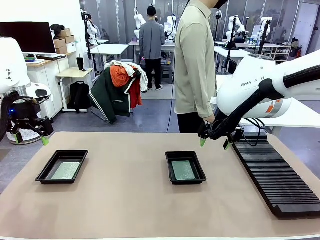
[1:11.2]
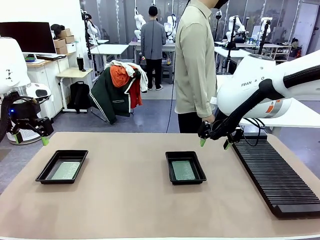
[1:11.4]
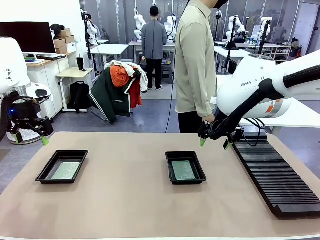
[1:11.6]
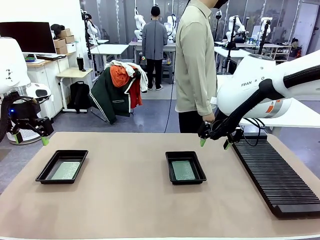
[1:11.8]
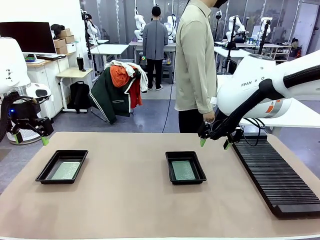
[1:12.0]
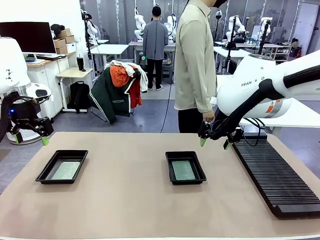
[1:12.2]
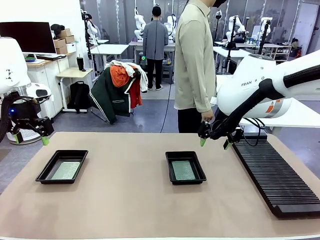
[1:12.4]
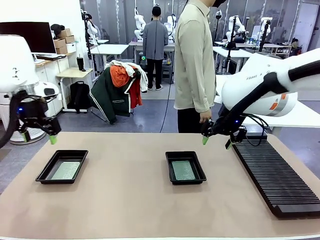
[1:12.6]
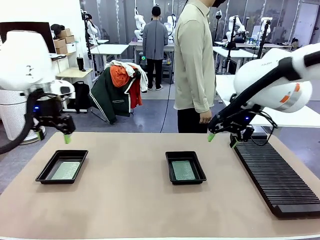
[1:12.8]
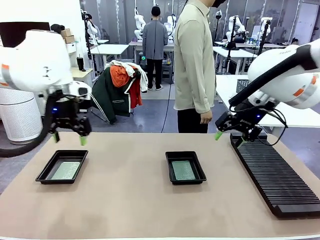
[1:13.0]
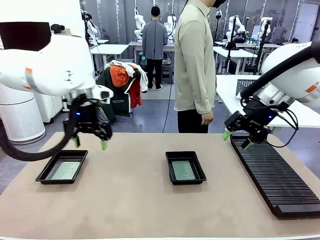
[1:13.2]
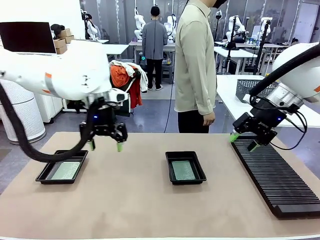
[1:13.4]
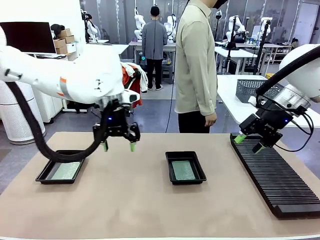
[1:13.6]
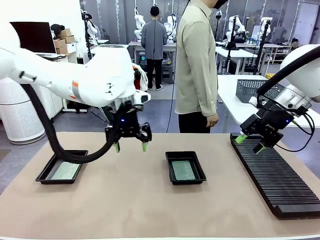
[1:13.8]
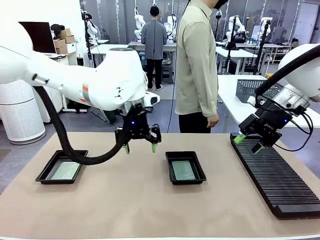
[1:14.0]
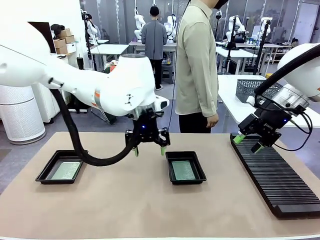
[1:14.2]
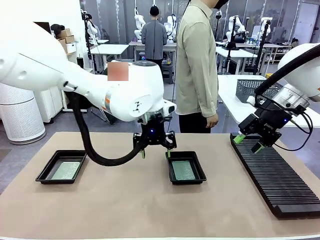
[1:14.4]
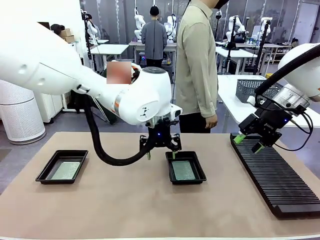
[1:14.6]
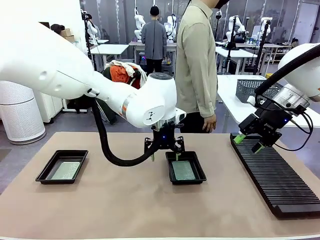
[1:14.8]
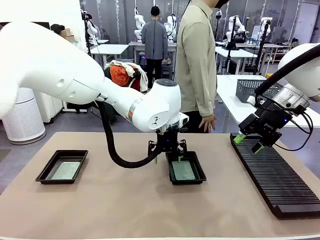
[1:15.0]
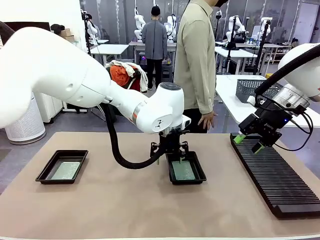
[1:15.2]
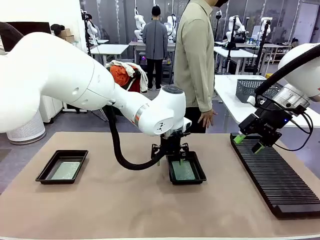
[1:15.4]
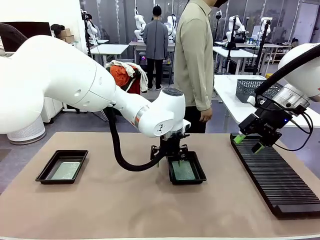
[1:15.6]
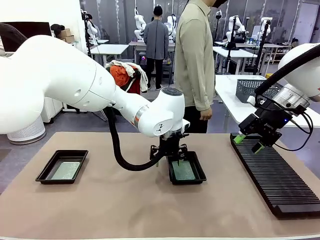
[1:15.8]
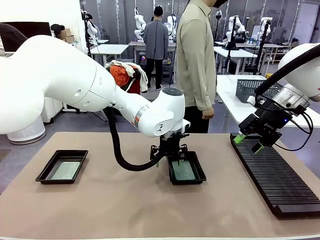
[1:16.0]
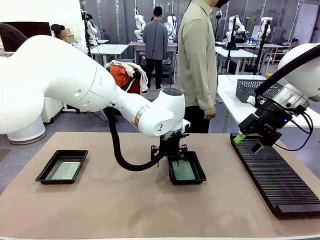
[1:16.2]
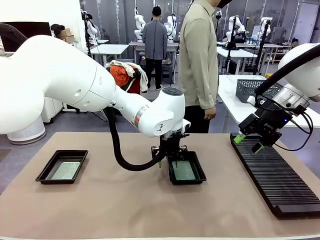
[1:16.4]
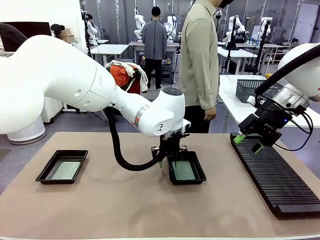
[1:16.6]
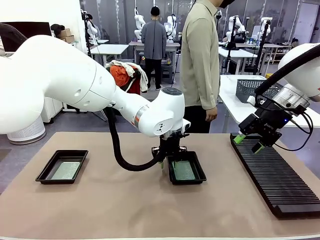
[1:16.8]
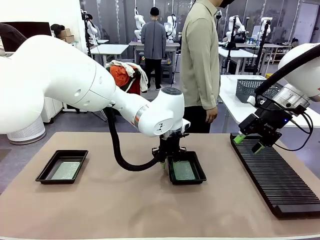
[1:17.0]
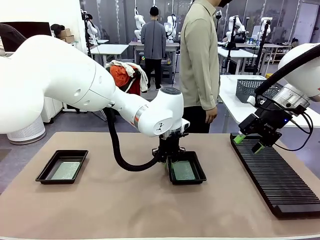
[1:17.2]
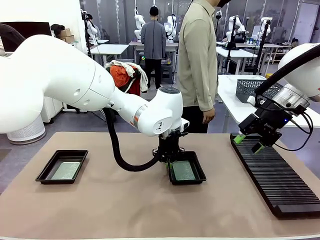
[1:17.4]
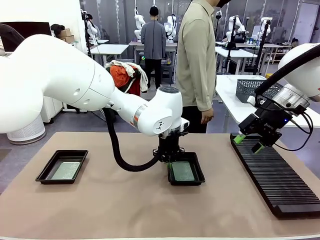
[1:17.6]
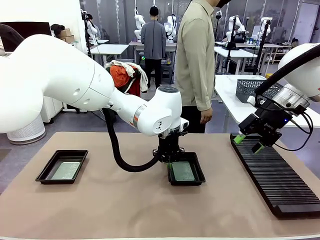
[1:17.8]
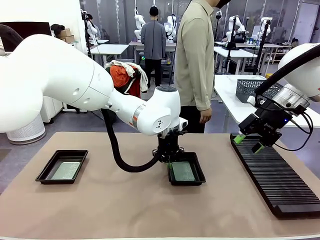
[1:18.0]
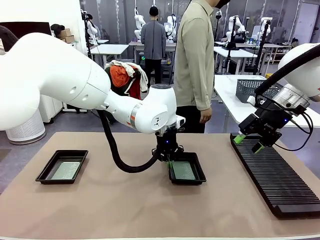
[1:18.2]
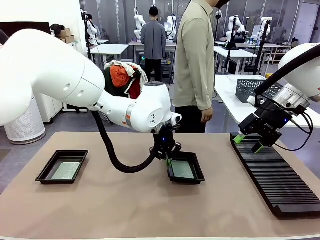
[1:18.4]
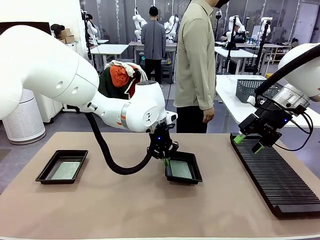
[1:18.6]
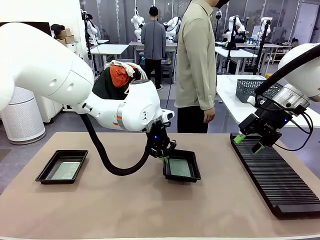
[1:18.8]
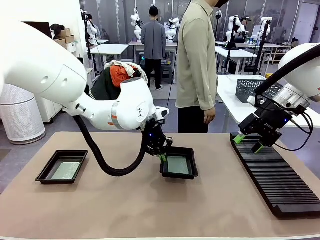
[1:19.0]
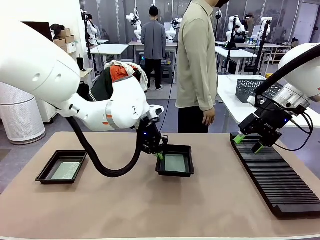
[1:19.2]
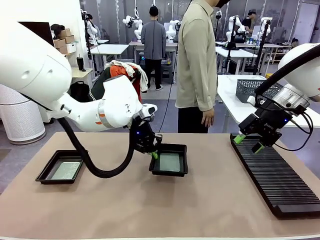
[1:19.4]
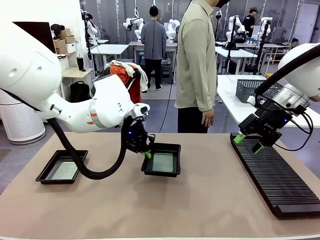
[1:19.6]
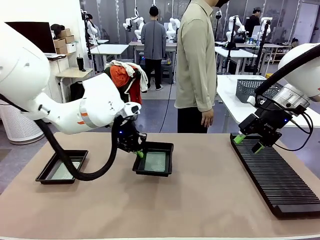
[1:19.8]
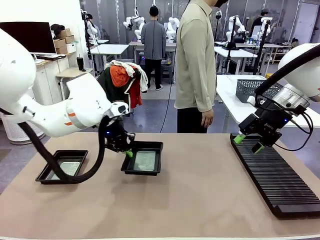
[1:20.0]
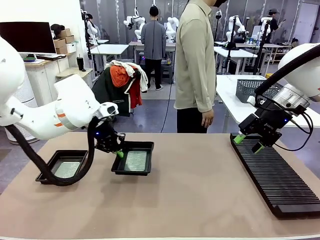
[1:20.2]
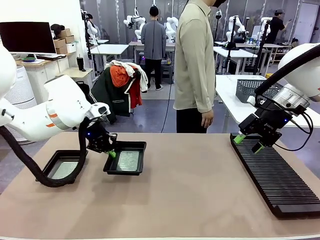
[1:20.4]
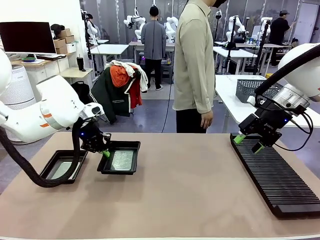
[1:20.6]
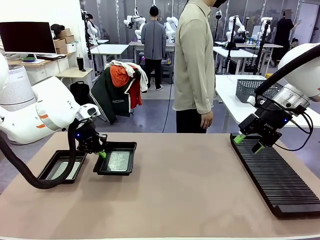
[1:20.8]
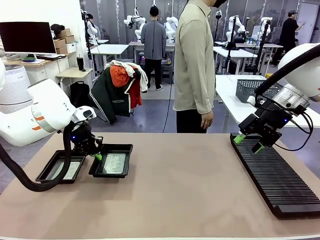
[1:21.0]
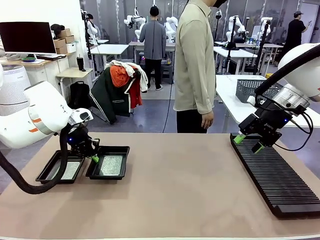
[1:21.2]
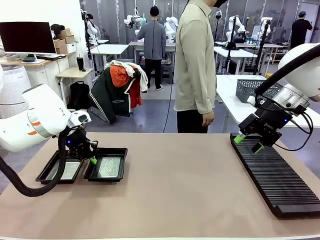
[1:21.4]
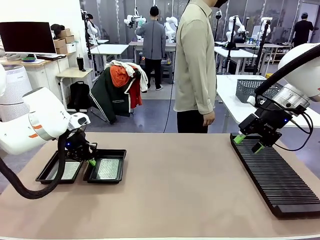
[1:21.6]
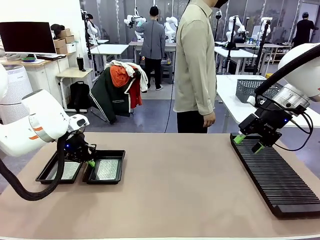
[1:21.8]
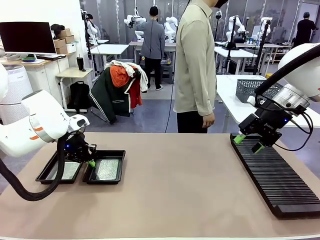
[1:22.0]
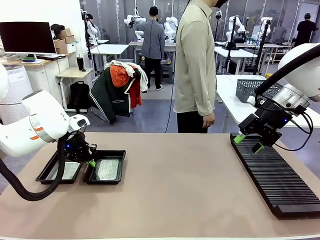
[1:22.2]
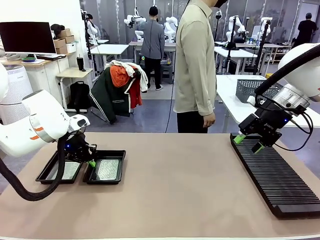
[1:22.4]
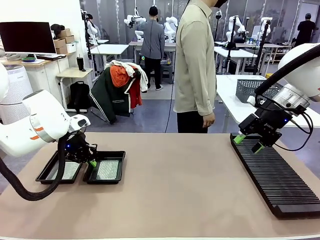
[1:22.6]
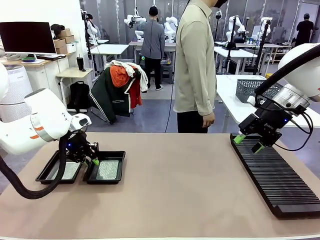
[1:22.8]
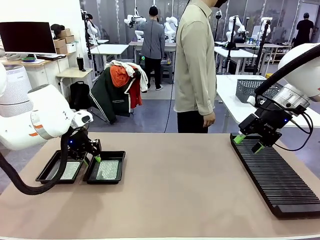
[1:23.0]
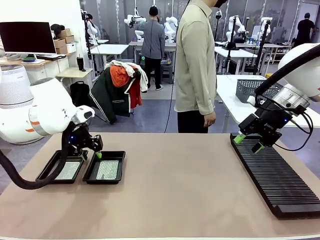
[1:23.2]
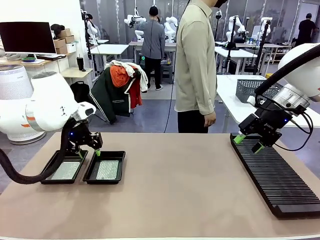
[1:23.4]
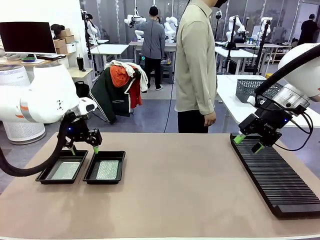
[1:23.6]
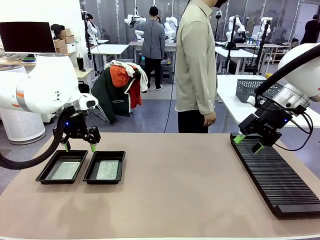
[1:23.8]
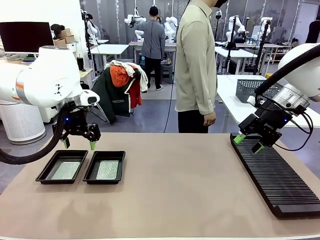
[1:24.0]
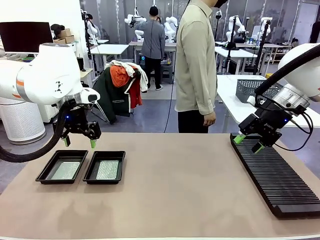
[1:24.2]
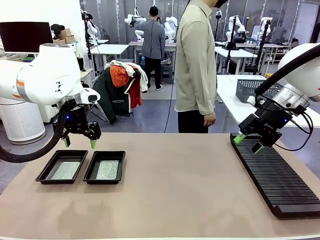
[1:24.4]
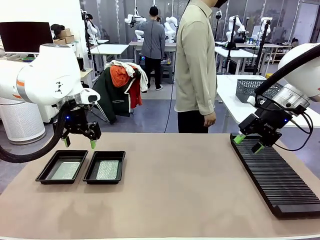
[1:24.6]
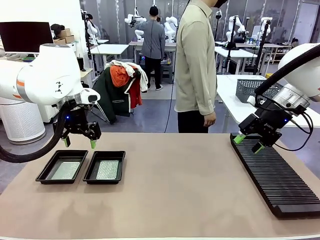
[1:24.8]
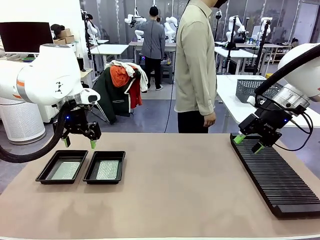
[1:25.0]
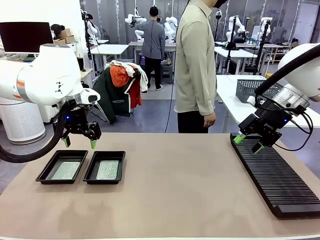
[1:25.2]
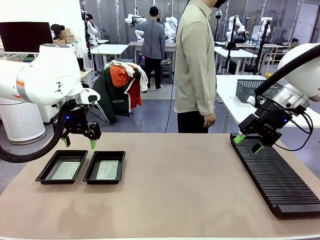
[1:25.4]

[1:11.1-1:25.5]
Task: Inspect and transfer BCBs to ESD trays.
Robot: Pick up the ESD tray and place it on the left side of the table.
